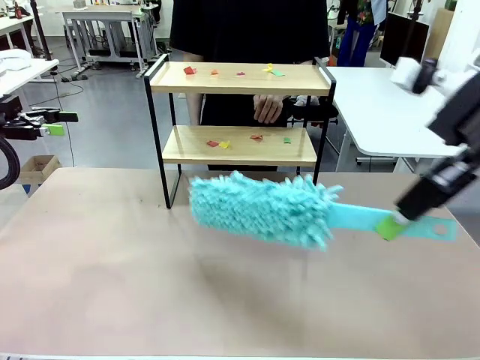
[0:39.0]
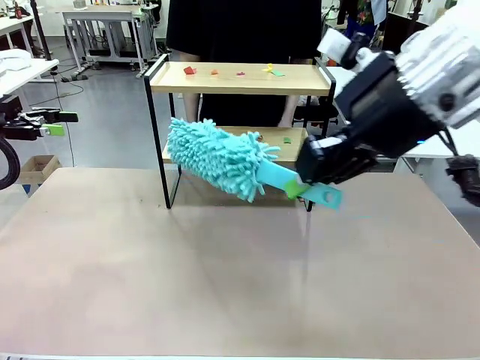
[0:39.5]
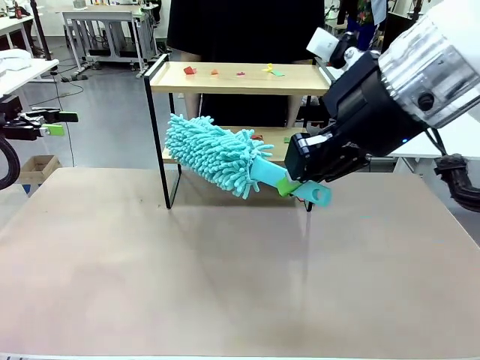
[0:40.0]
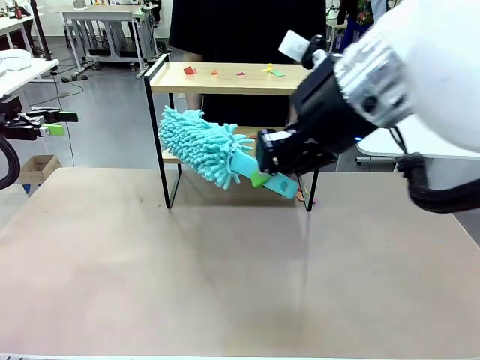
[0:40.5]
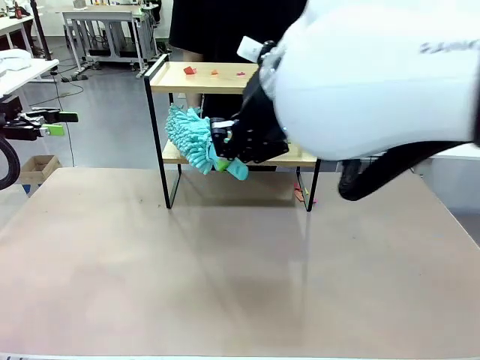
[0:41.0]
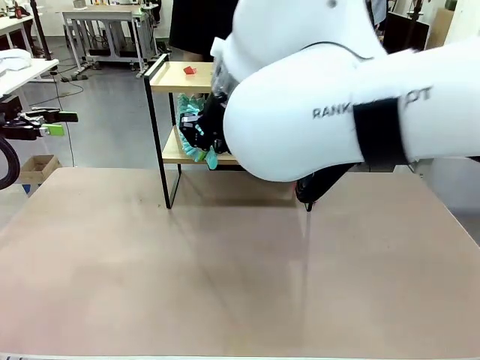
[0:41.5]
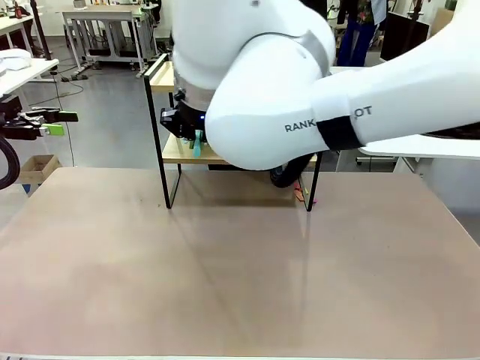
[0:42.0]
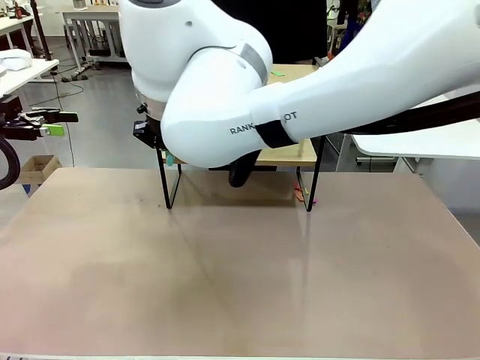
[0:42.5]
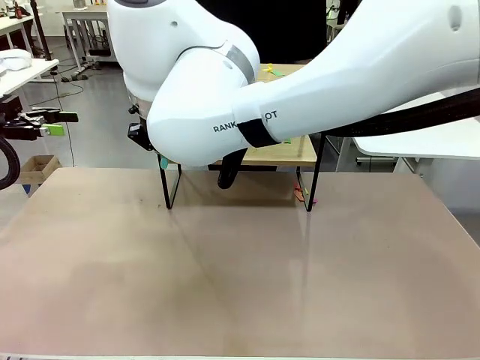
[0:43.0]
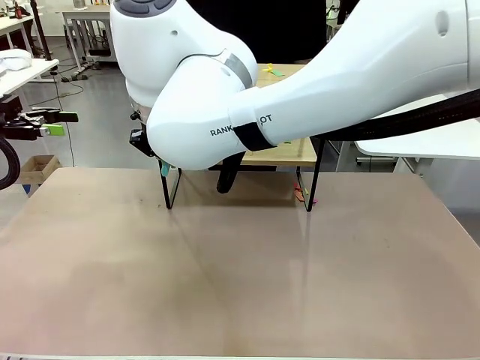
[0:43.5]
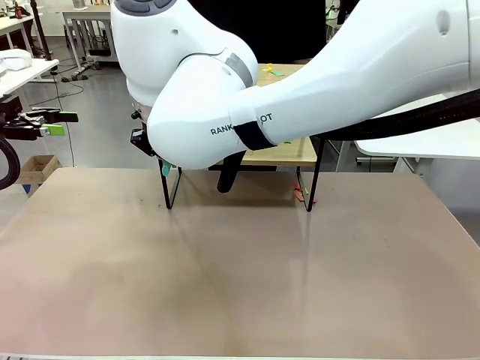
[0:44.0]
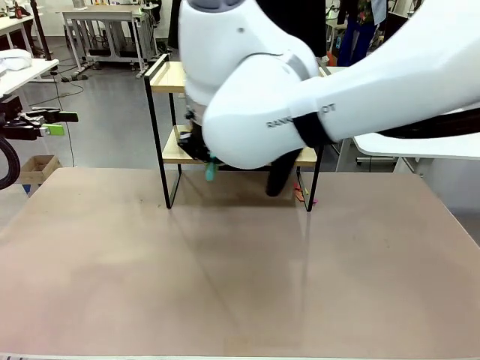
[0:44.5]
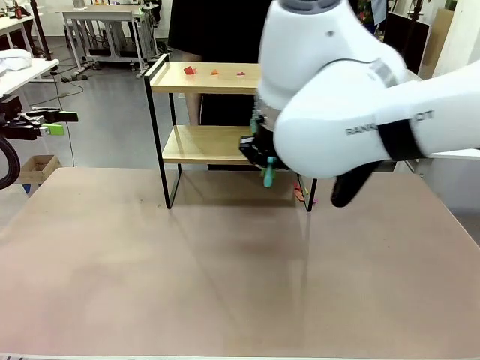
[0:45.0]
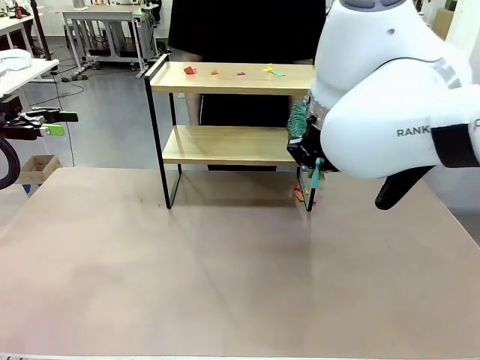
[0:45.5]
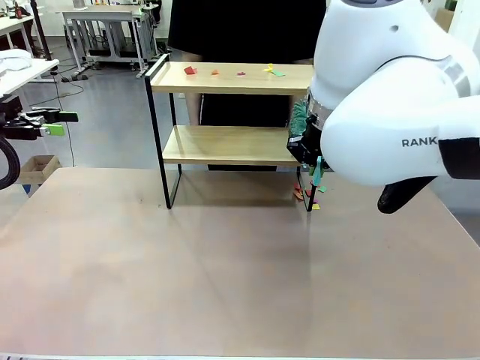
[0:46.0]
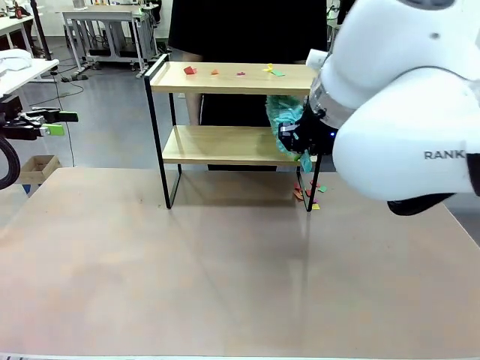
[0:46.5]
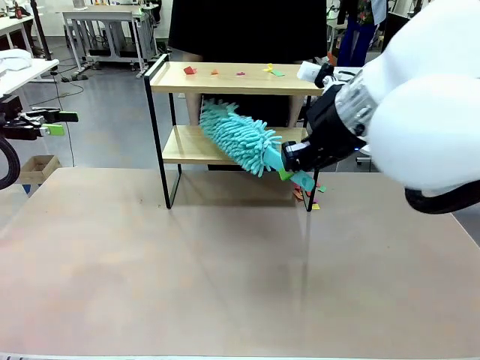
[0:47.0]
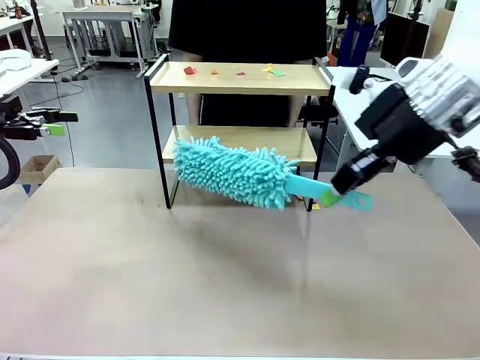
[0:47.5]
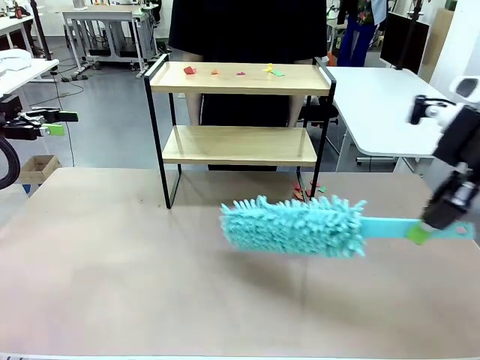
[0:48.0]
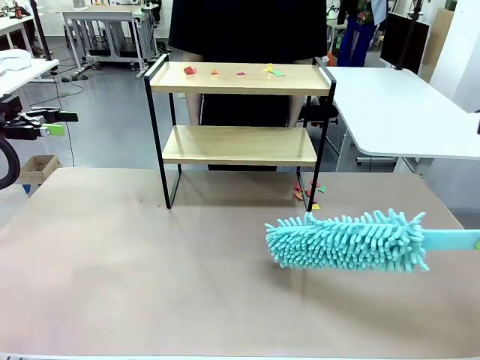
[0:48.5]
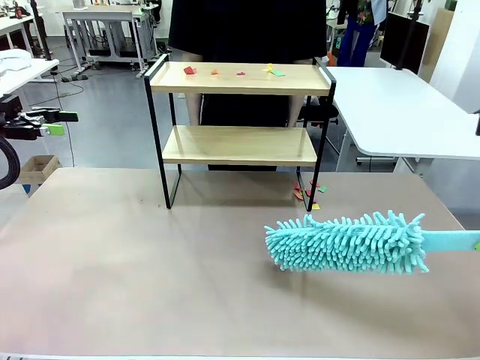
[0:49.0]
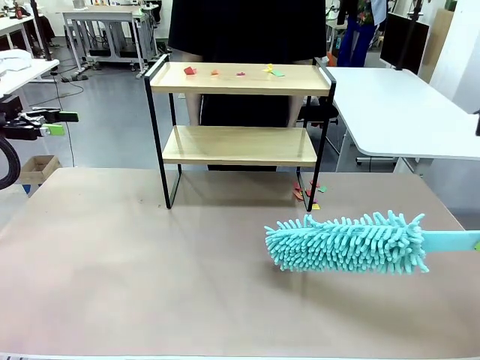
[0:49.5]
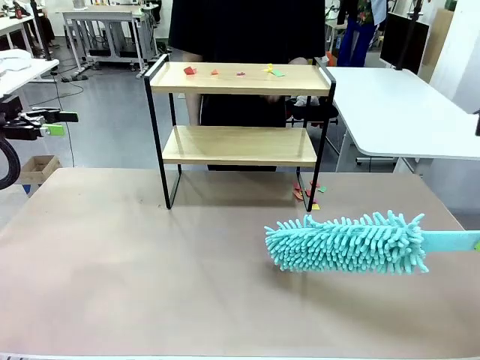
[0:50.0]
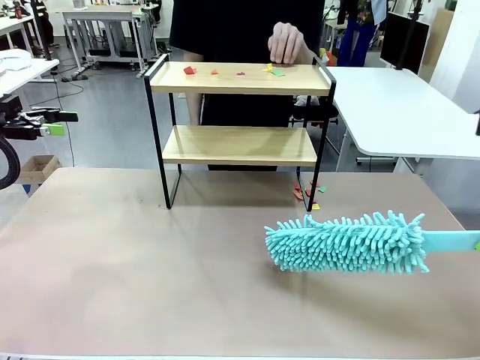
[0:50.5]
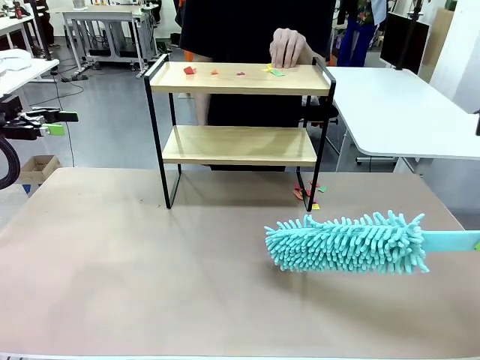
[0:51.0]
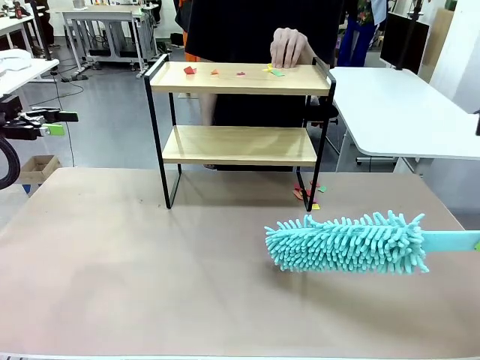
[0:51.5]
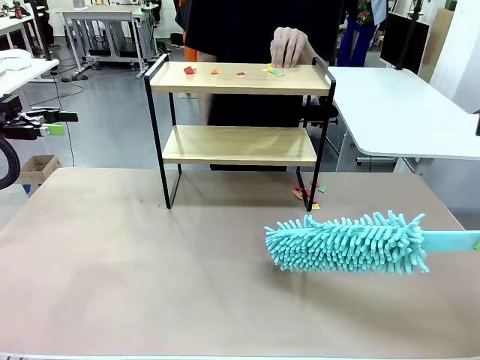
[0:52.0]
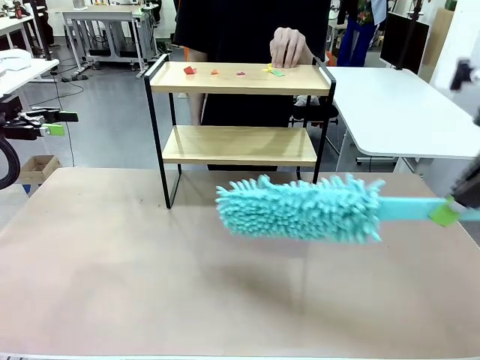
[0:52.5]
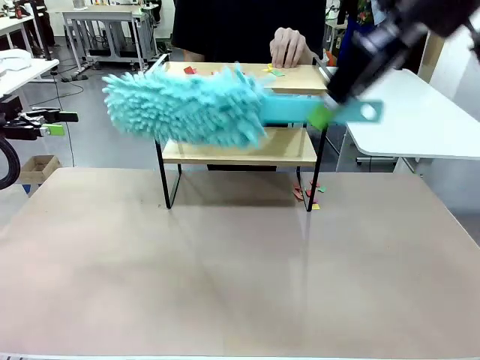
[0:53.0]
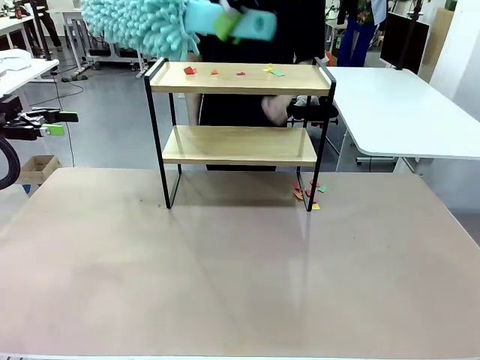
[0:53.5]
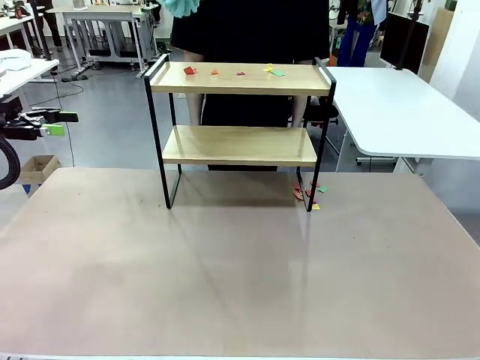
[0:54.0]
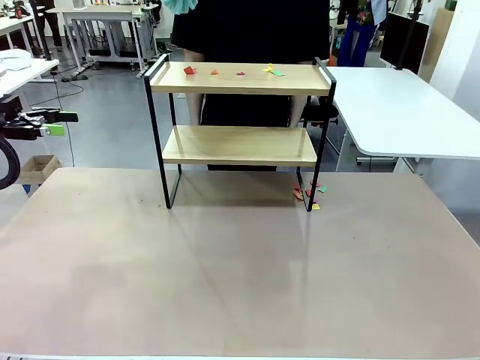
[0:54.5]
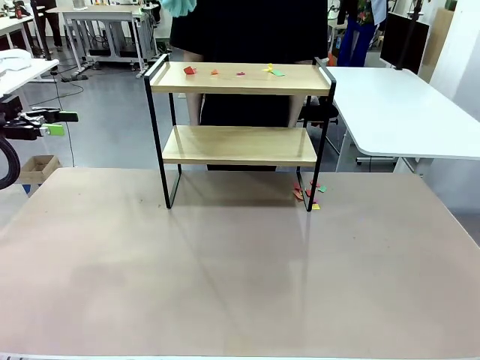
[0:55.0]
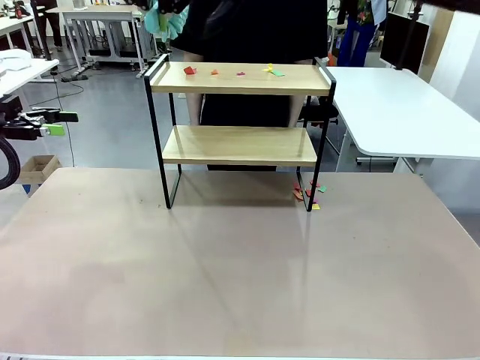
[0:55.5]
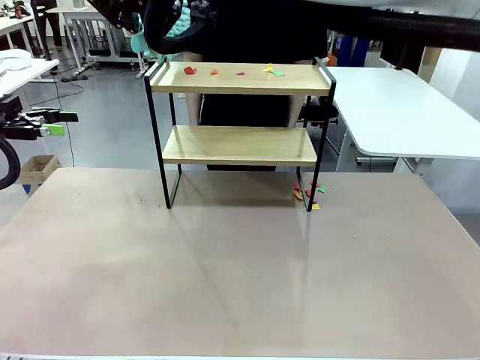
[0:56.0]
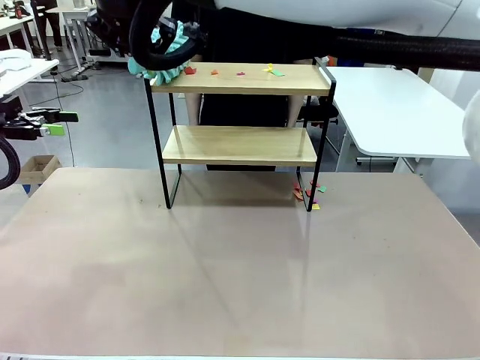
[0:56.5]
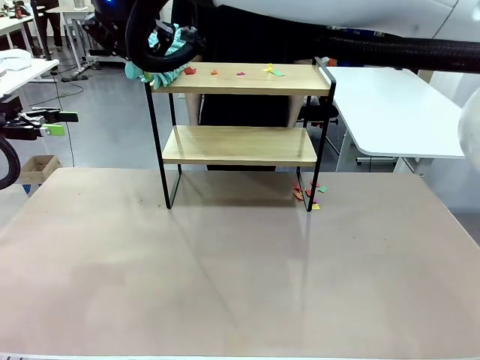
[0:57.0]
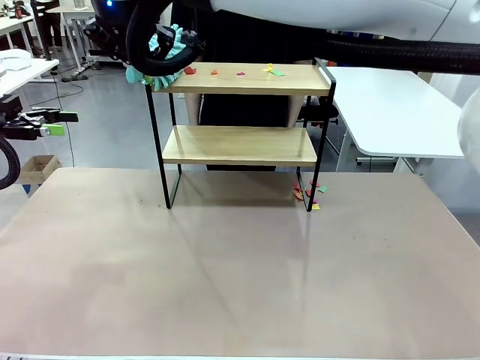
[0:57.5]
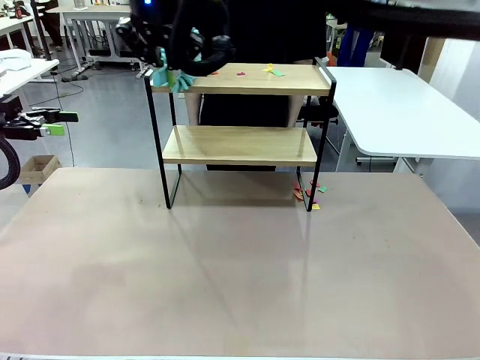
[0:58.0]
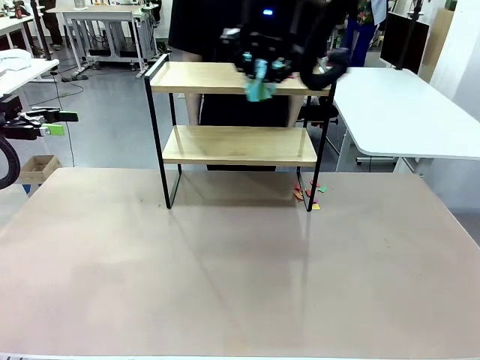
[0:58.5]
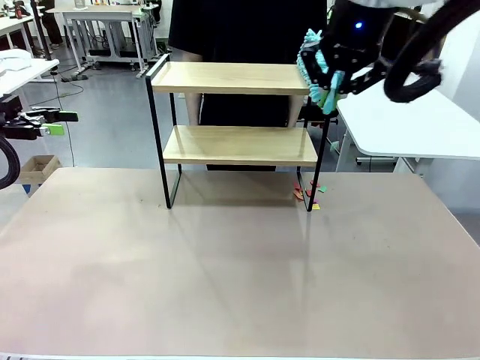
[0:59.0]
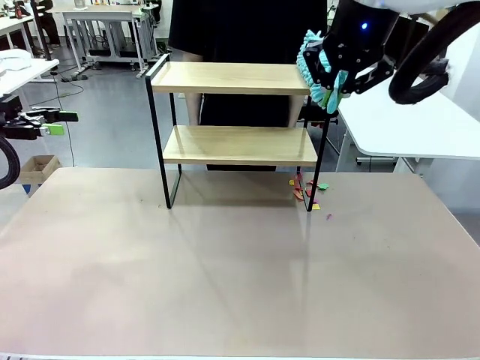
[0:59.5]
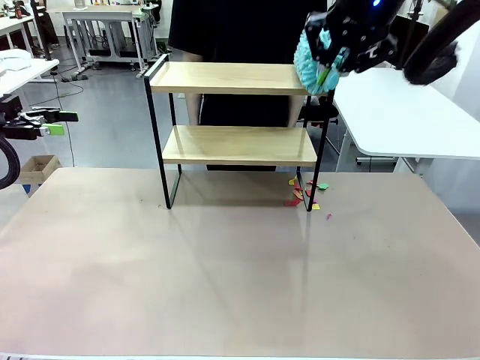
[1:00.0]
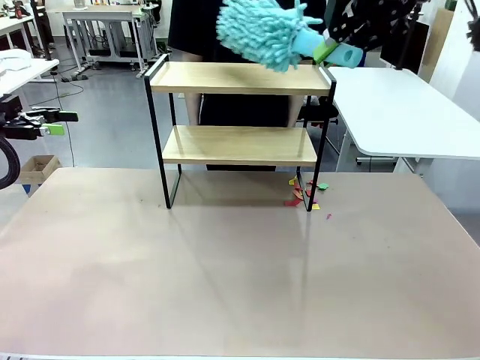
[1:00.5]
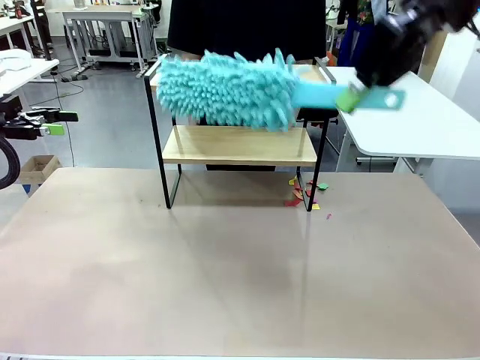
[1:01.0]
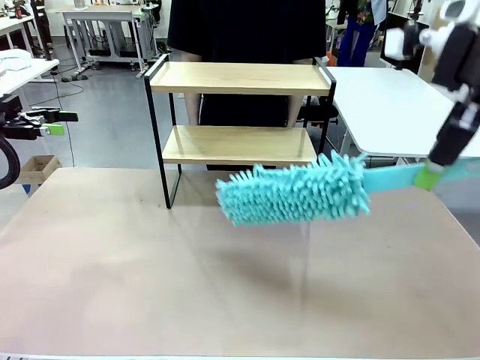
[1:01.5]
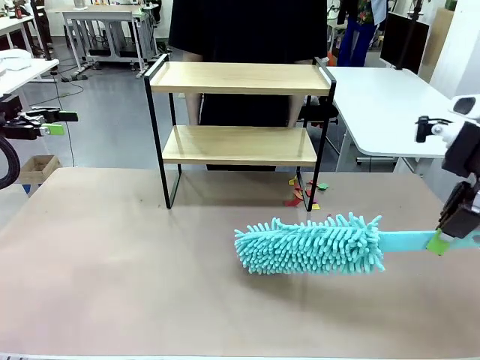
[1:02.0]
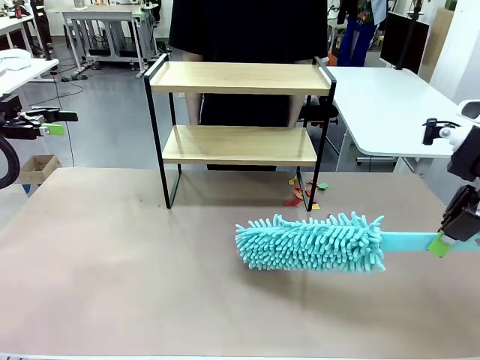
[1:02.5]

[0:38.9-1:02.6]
Task: Clean the shelf.
Robot: Clean the specific section of the Shelf indicated by the human with the Duster.
Person: Point a remaining section of the Shelf.
